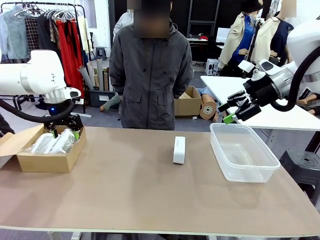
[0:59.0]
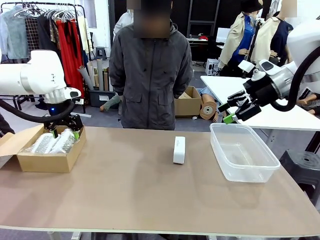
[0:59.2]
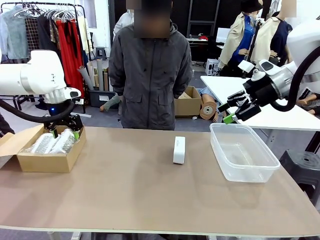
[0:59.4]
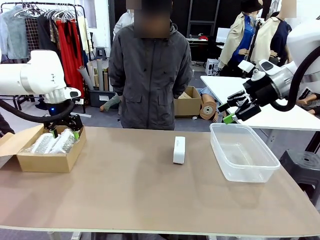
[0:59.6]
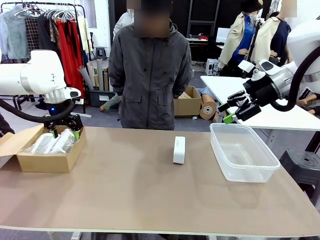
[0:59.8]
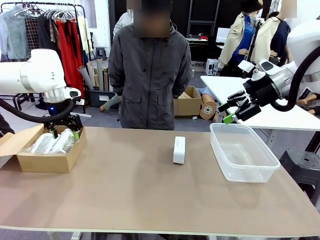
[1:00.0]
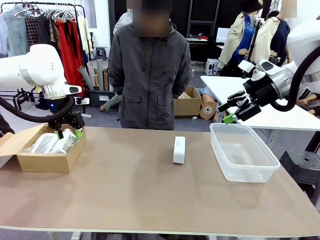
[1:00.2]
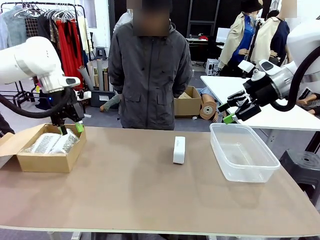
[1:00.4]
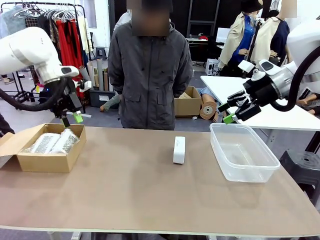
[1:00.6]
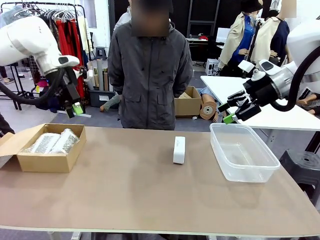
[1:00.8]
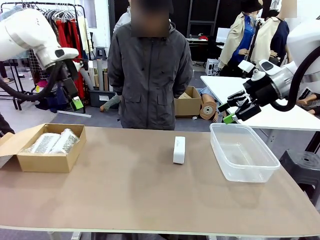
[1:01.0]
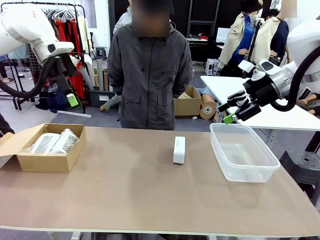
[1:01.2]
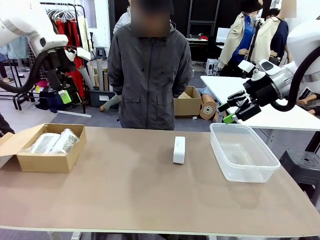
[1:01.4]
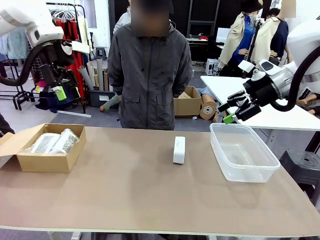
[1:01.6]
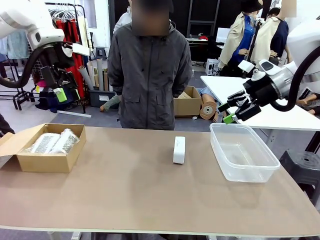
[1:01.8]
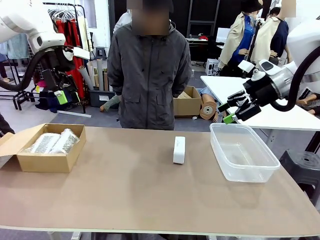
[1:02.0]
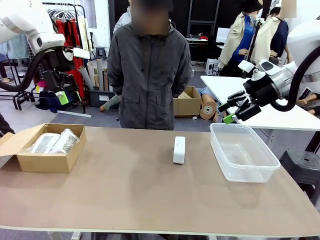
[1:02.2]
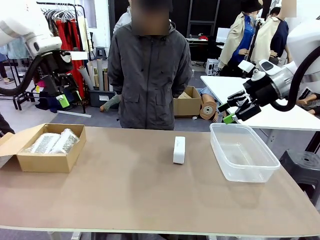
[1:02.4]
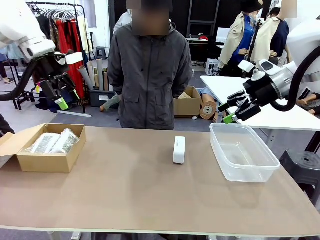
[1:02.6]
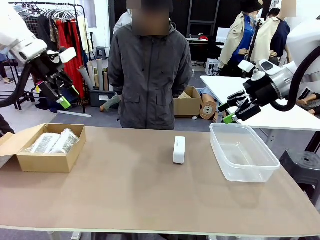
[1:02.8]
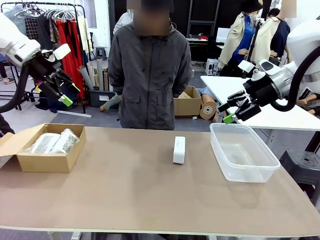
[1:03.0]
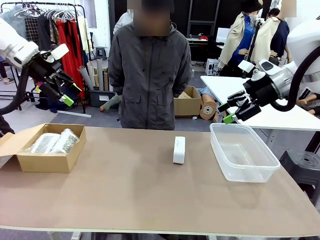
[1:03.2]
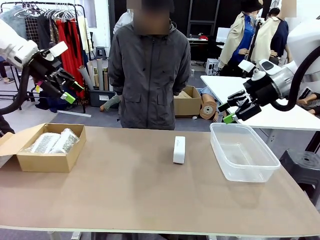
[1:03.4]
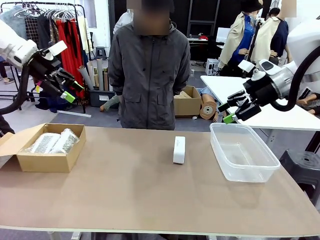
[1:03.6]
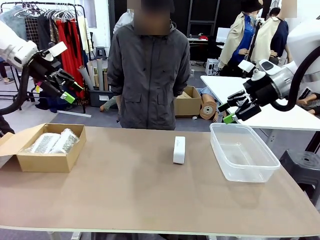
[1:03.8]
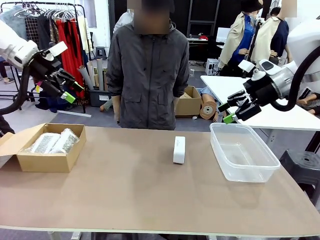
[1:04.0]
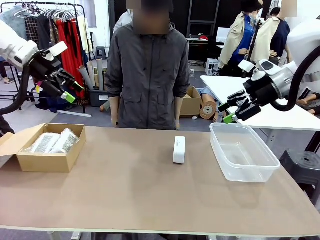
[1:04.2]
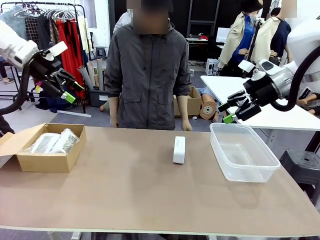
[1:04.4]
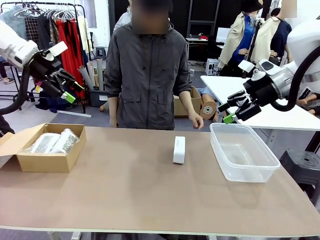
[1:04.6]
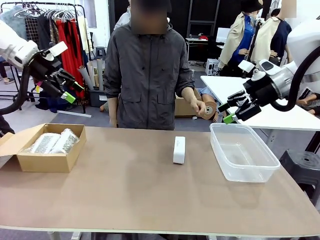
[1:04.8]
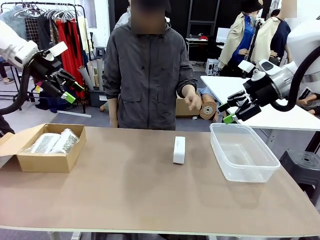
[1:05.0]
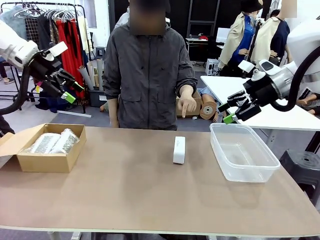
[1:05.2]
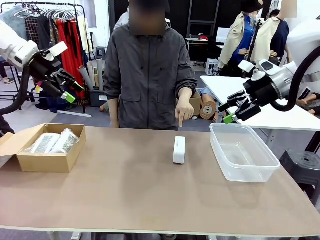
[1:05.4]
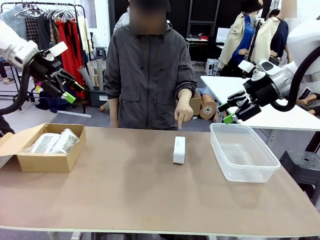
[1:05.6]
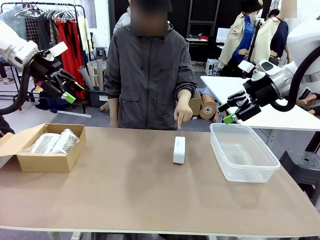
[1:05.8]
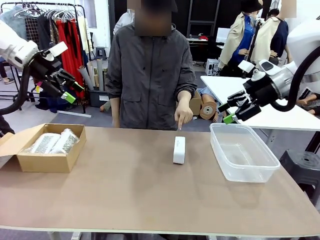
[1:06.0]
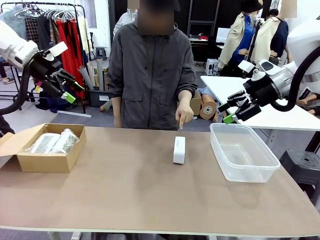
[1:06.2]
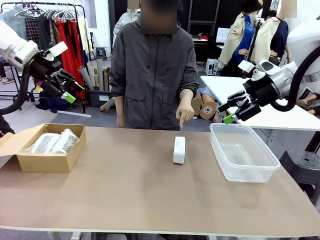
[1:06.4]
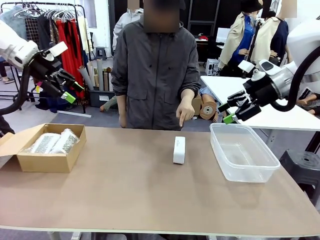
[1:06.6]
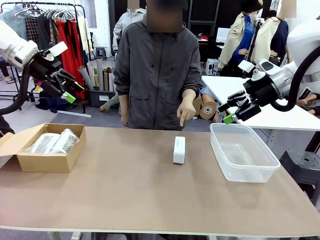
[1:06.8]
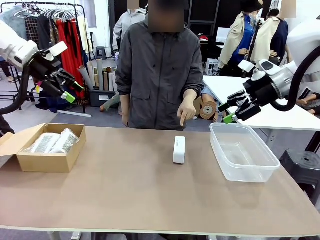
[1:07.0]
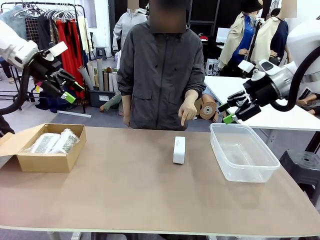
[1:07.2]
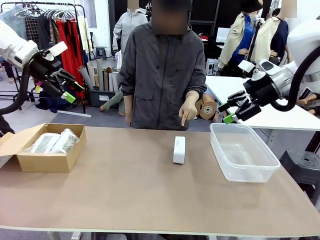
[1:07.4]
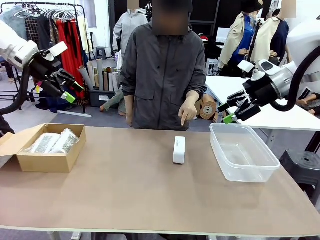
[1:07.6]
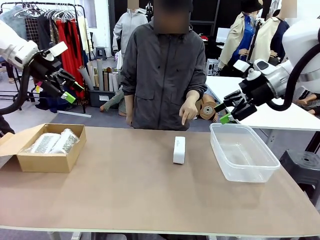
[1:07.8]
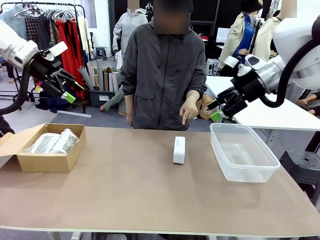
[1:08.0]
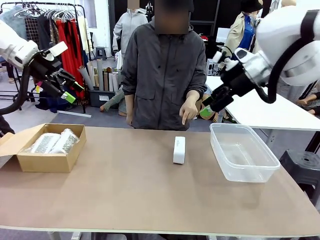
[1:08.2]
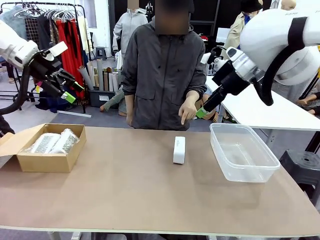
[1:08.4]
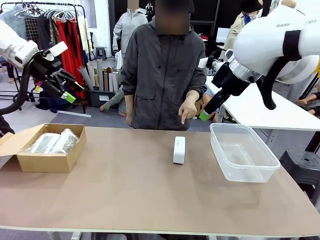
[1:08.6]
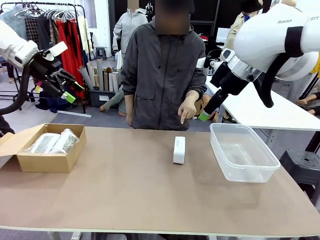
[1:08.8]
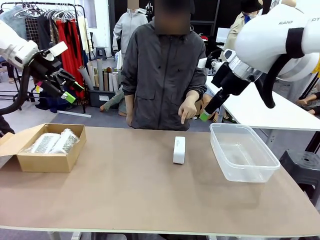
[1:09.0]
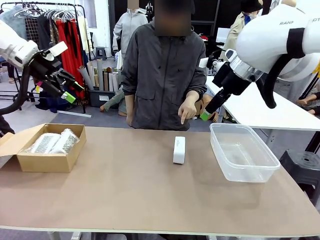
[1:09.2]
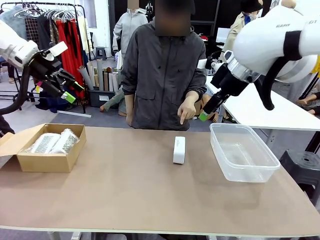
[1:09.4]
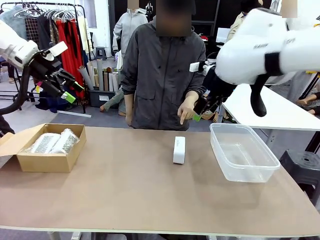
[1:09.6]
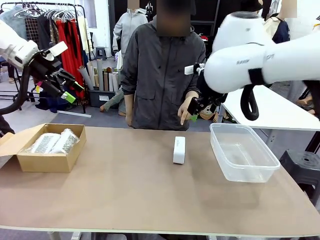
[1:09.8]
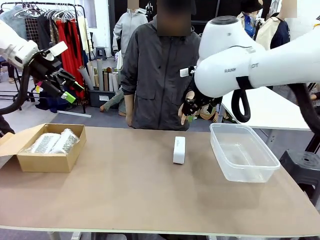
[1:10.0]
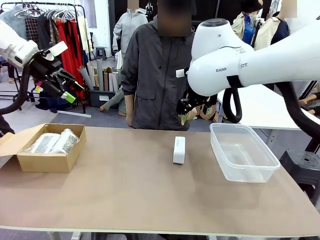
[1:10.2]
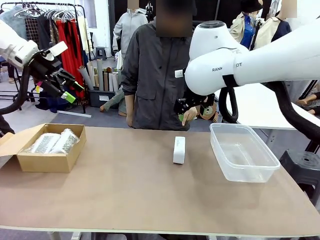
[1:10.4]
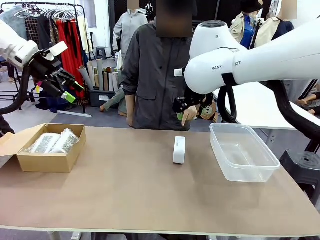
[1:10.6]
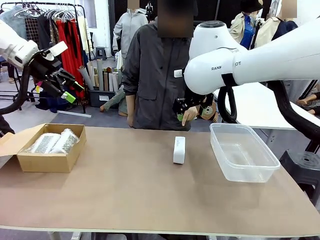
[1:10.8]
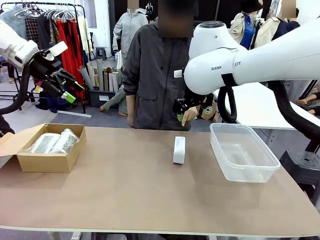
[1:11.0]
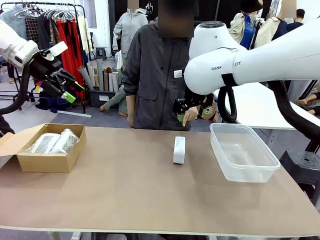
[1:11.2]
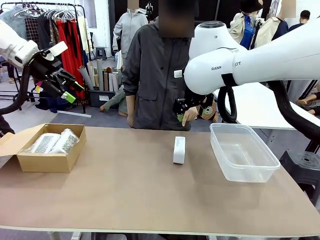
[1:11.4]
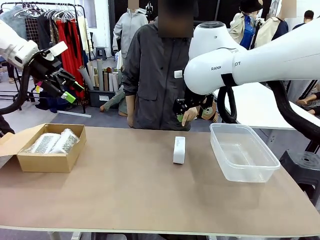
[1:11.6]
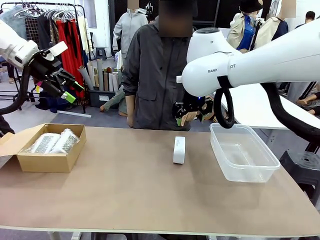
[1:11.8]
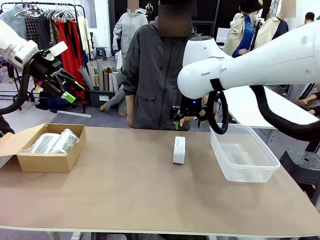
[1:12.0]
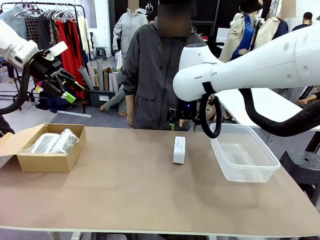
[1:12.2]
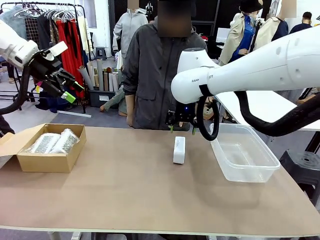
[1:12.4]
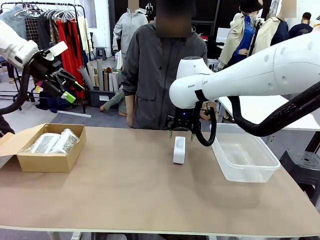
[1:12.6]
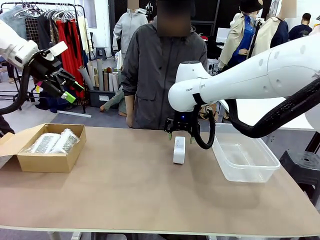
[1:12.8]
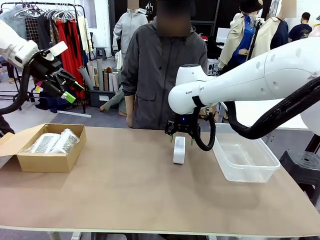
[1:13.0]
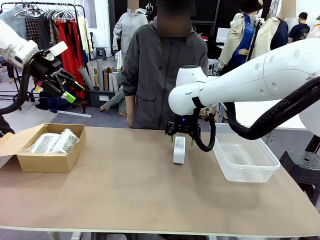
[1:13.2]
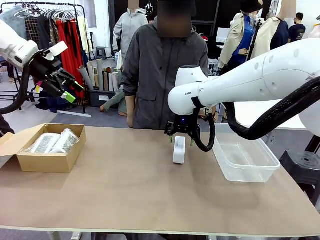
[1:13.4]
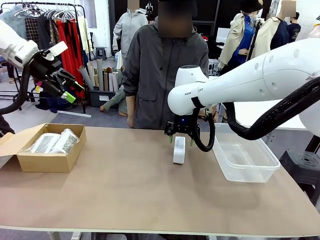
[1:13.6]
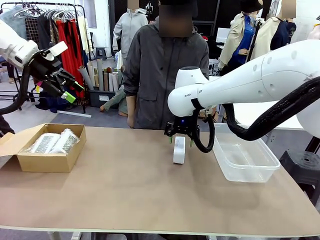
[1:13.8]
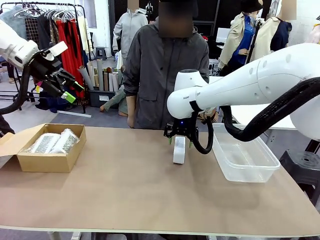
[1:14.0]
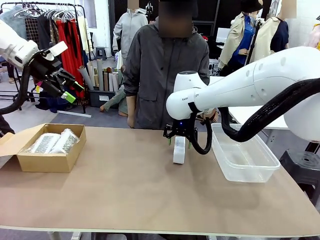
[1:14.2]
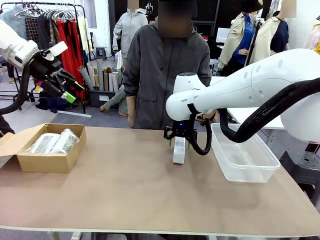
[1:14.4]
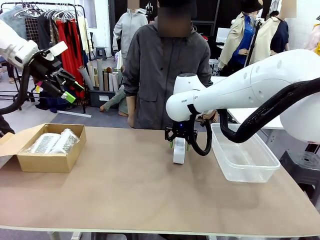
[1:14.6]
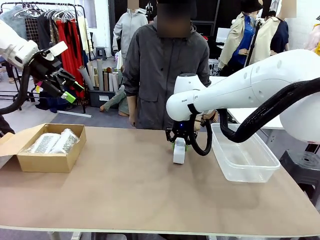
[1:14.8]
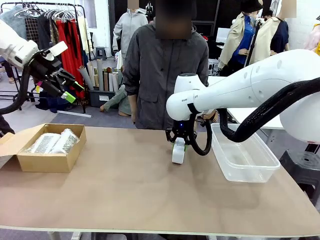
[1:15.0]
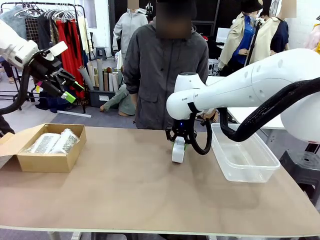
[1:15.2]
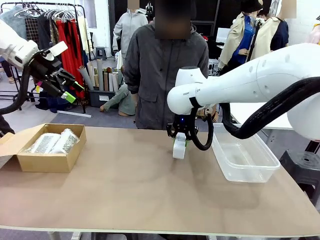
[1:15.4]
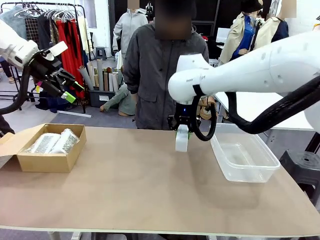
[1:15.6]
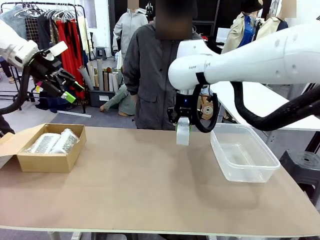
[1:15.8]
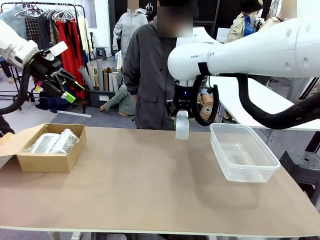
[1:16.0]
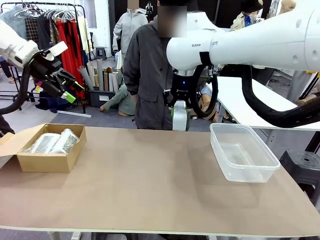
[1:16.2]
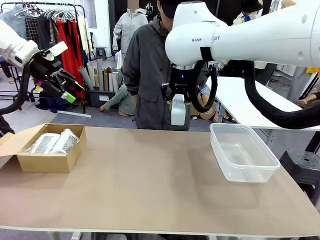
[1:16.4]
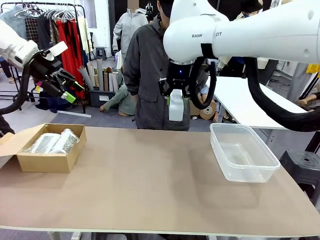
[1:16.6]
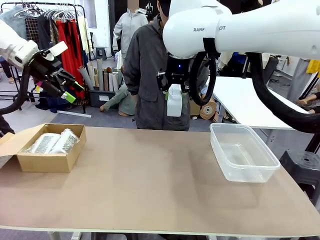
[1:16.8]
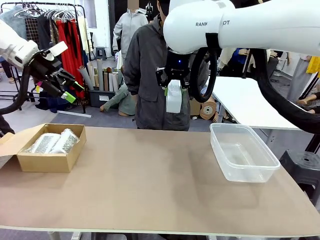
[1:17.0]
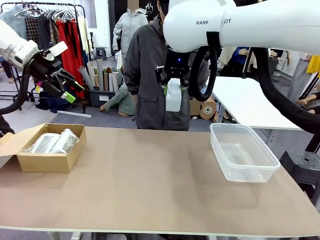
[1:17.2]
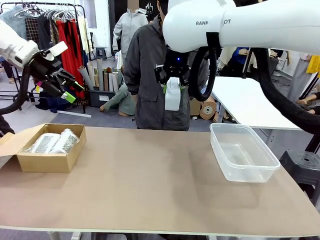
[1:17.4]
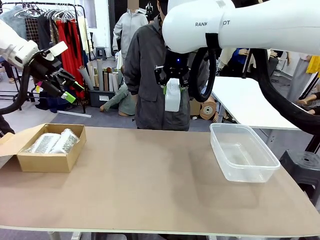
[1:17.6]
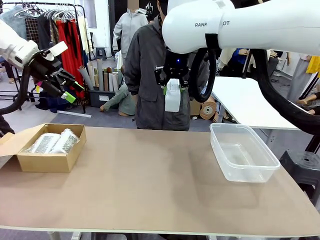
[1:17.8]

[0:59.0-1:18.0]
Task: Separate and place wrapped and unwrapped clocks.
Robot: Pick up the Digital clock indicated by the person.
